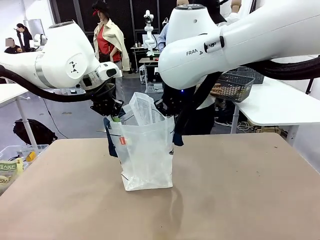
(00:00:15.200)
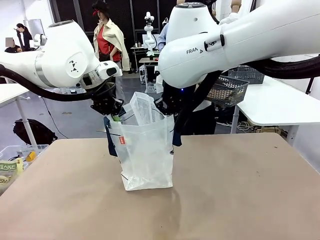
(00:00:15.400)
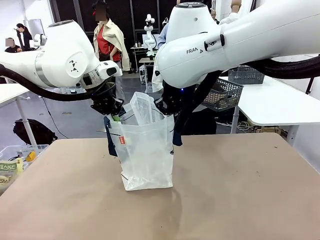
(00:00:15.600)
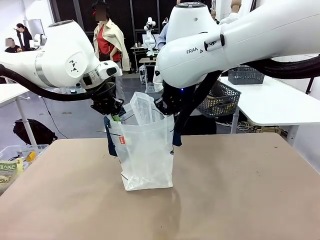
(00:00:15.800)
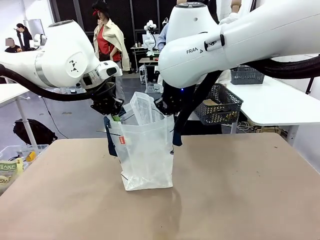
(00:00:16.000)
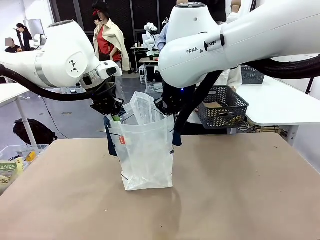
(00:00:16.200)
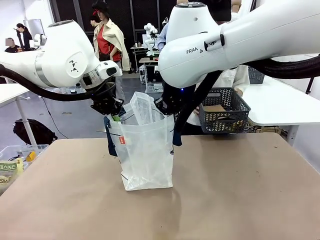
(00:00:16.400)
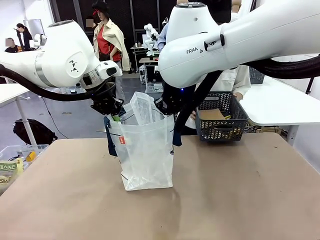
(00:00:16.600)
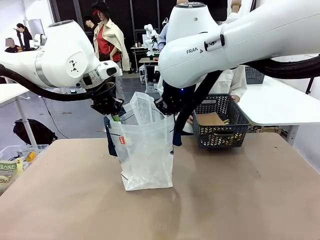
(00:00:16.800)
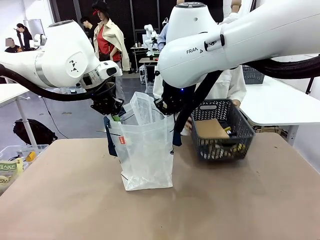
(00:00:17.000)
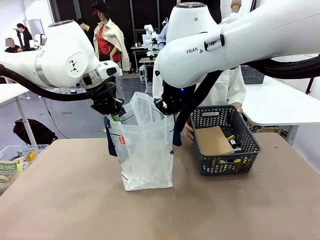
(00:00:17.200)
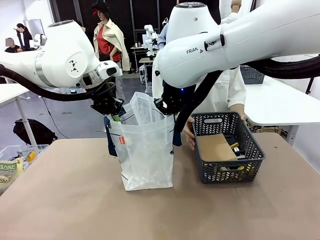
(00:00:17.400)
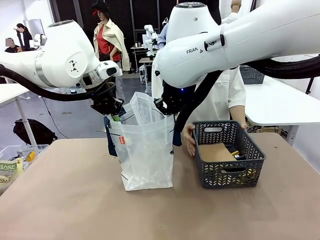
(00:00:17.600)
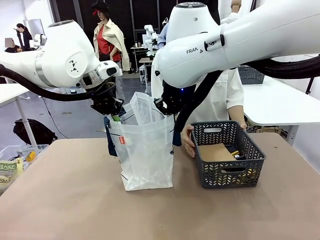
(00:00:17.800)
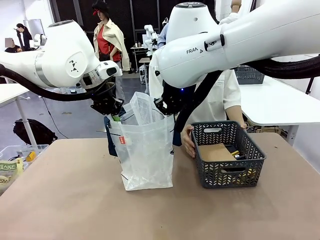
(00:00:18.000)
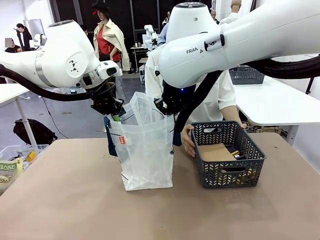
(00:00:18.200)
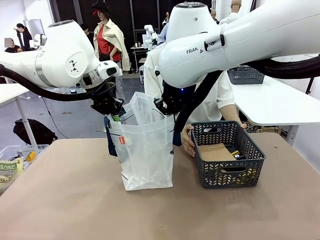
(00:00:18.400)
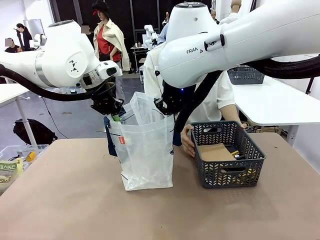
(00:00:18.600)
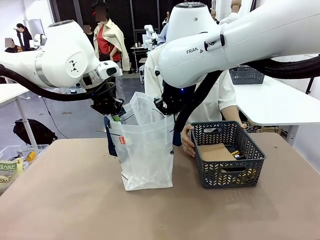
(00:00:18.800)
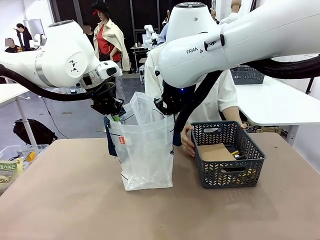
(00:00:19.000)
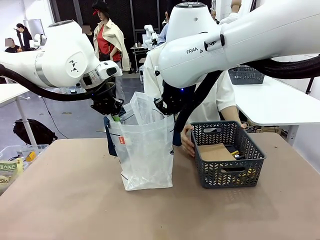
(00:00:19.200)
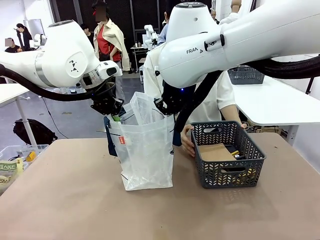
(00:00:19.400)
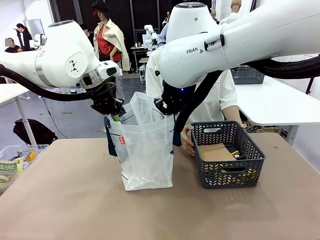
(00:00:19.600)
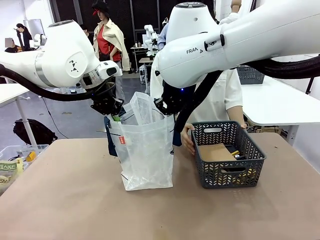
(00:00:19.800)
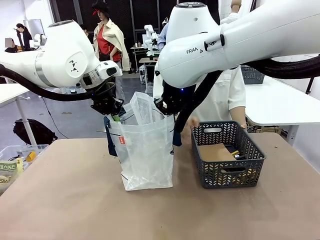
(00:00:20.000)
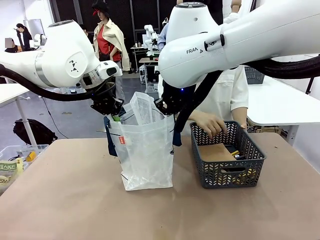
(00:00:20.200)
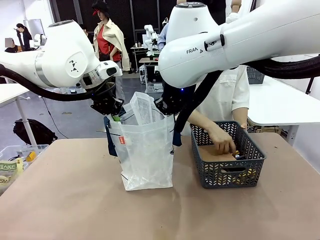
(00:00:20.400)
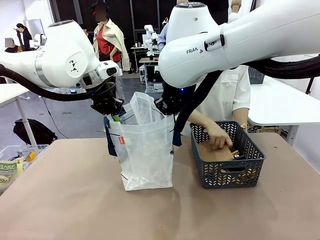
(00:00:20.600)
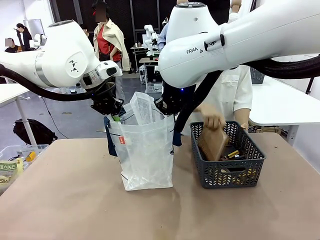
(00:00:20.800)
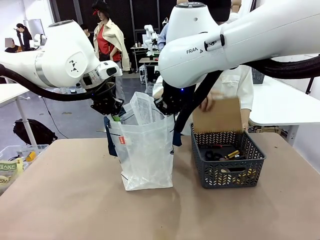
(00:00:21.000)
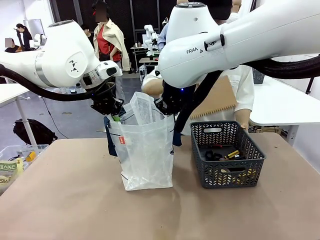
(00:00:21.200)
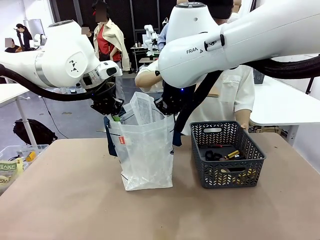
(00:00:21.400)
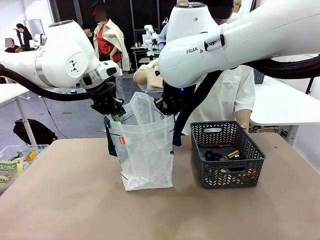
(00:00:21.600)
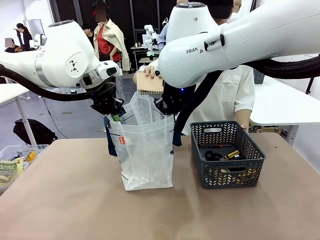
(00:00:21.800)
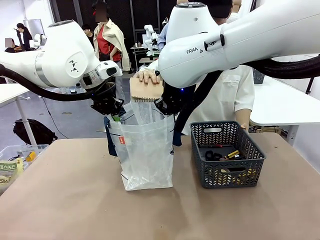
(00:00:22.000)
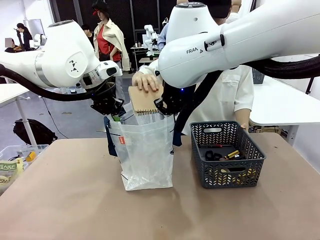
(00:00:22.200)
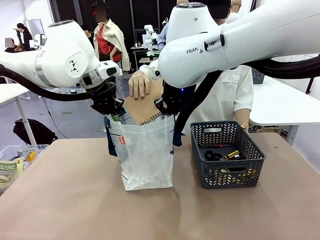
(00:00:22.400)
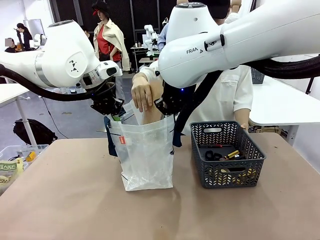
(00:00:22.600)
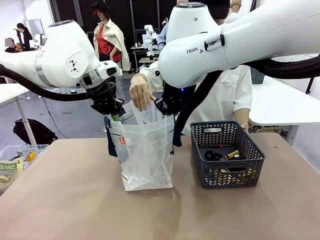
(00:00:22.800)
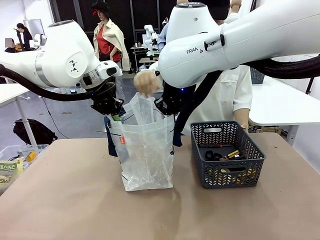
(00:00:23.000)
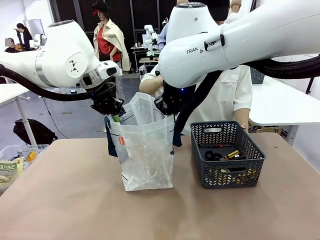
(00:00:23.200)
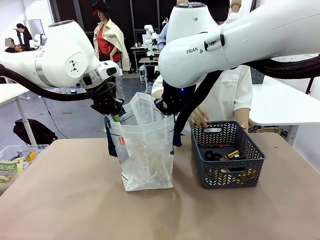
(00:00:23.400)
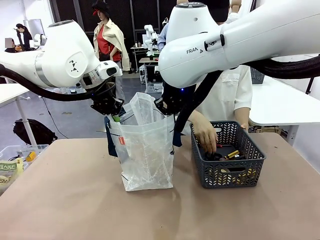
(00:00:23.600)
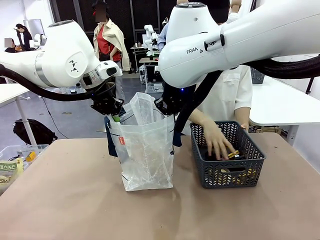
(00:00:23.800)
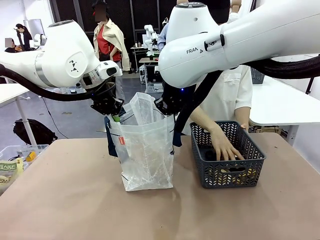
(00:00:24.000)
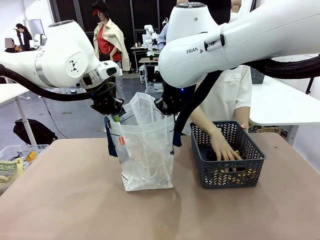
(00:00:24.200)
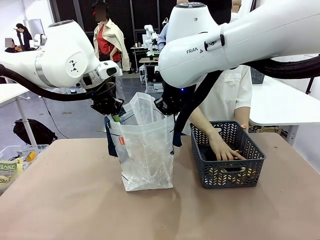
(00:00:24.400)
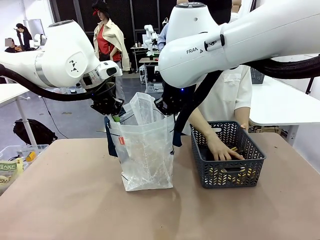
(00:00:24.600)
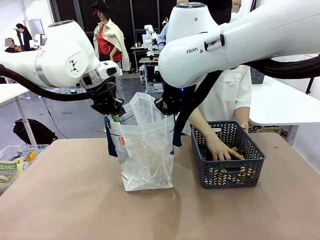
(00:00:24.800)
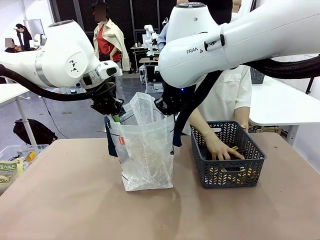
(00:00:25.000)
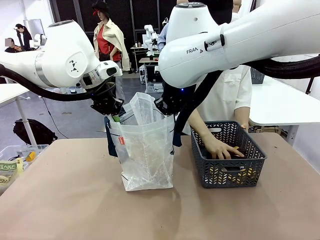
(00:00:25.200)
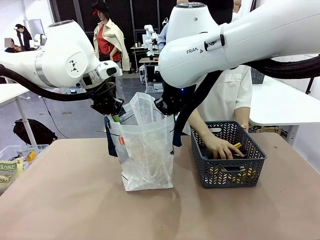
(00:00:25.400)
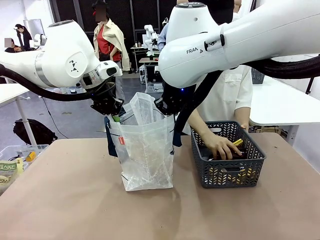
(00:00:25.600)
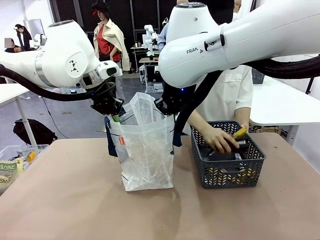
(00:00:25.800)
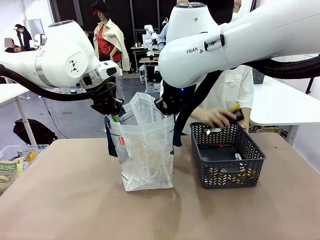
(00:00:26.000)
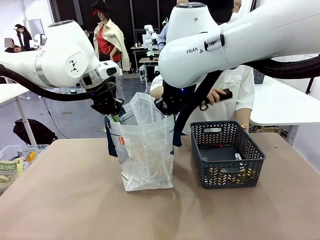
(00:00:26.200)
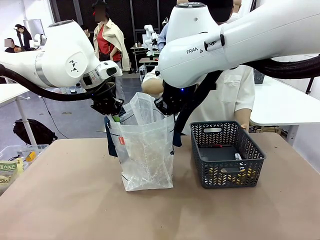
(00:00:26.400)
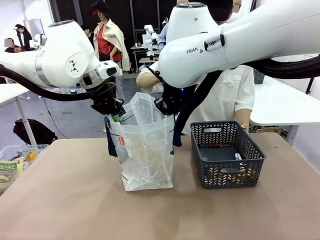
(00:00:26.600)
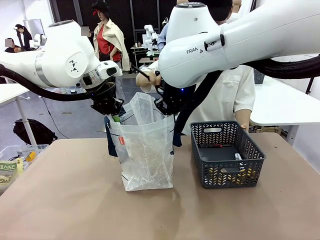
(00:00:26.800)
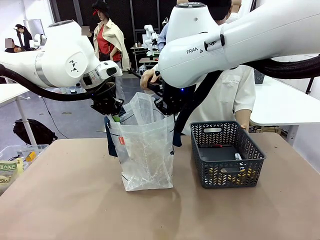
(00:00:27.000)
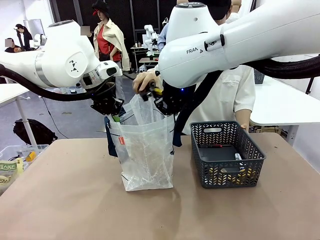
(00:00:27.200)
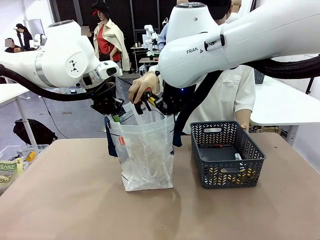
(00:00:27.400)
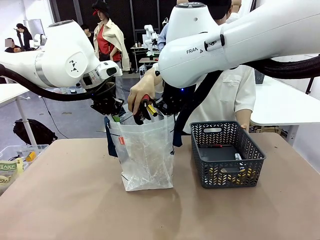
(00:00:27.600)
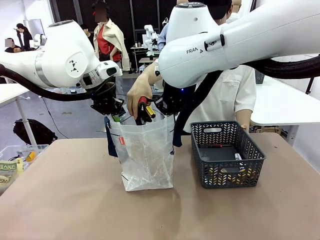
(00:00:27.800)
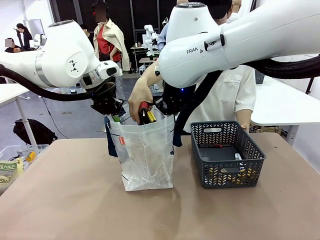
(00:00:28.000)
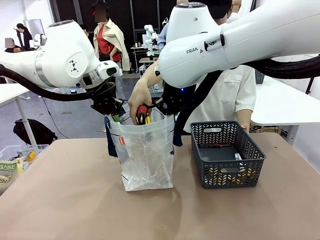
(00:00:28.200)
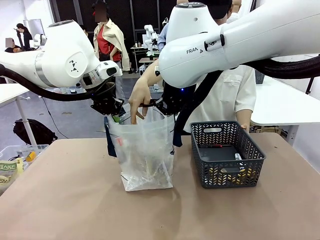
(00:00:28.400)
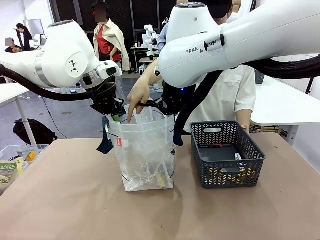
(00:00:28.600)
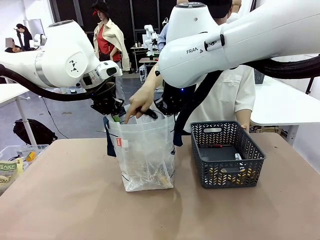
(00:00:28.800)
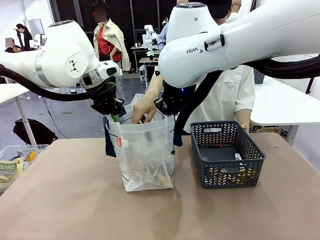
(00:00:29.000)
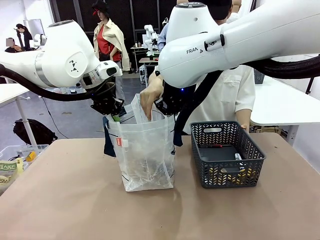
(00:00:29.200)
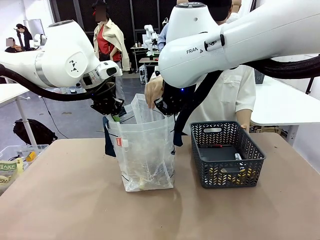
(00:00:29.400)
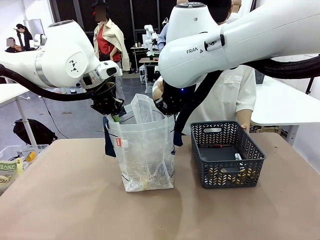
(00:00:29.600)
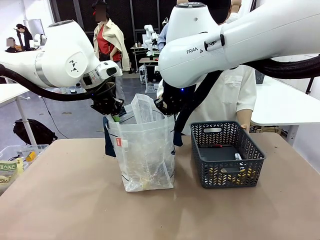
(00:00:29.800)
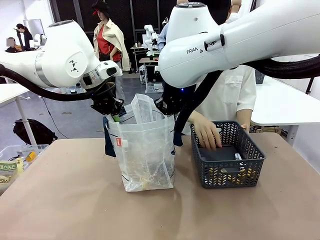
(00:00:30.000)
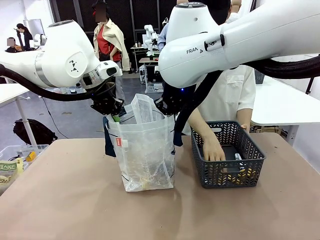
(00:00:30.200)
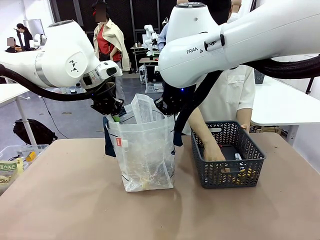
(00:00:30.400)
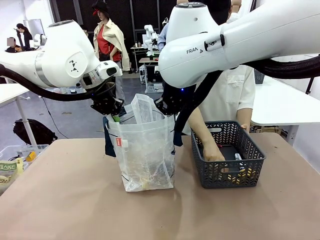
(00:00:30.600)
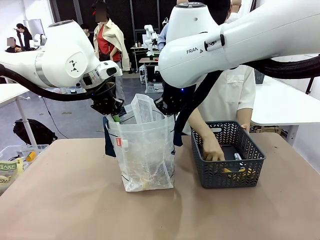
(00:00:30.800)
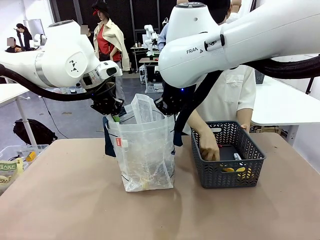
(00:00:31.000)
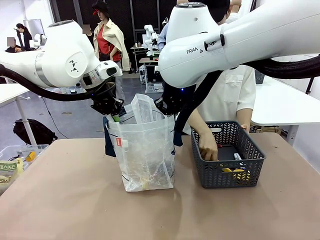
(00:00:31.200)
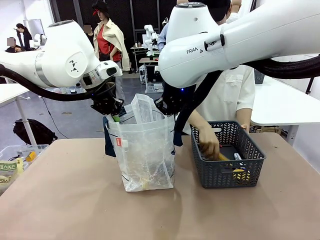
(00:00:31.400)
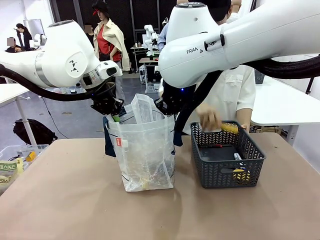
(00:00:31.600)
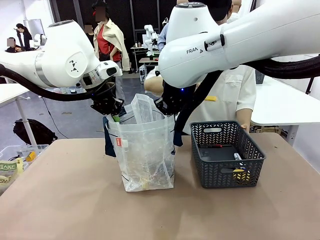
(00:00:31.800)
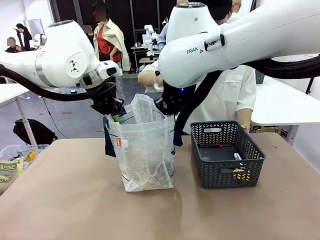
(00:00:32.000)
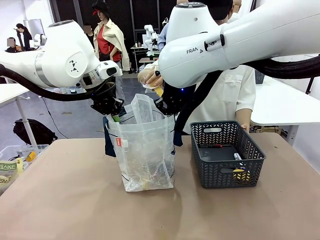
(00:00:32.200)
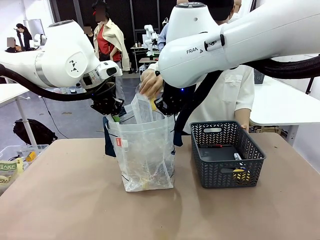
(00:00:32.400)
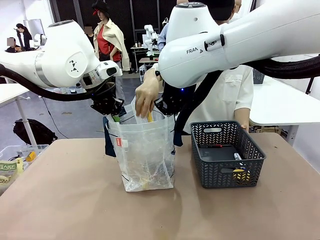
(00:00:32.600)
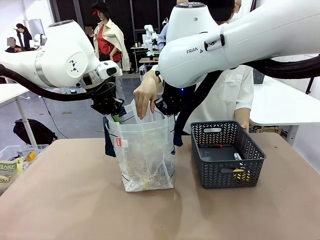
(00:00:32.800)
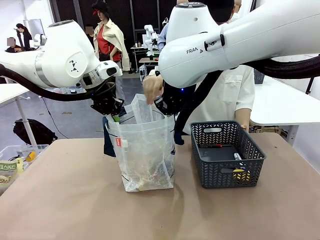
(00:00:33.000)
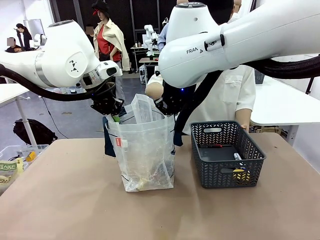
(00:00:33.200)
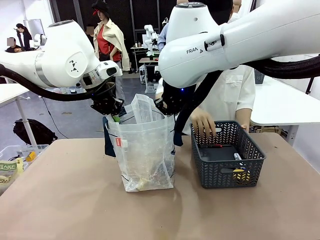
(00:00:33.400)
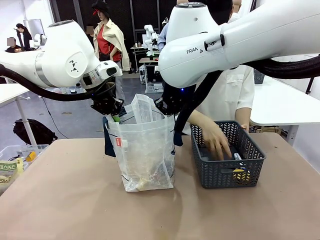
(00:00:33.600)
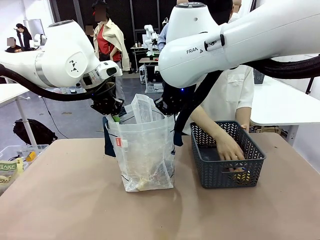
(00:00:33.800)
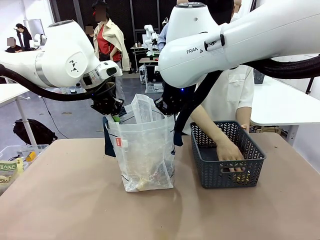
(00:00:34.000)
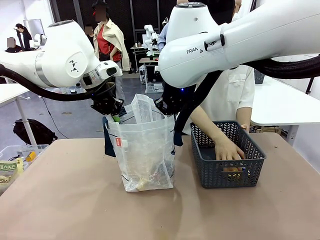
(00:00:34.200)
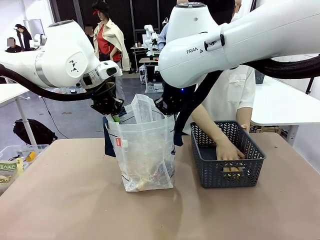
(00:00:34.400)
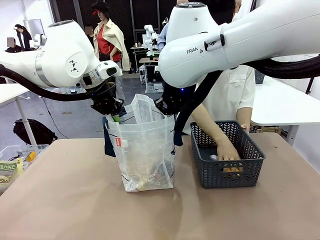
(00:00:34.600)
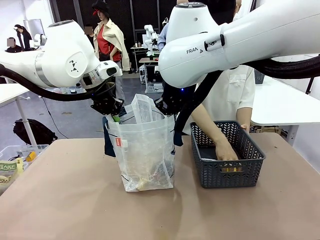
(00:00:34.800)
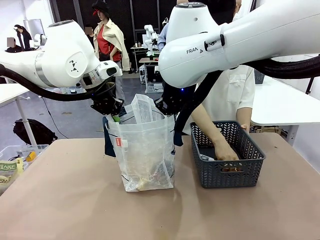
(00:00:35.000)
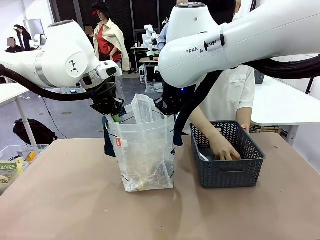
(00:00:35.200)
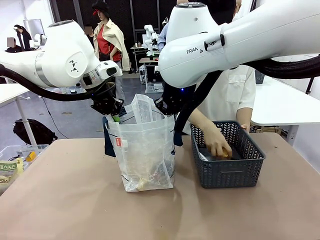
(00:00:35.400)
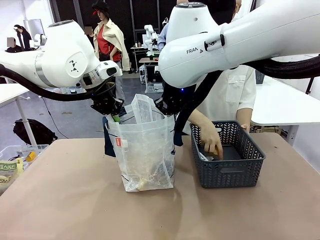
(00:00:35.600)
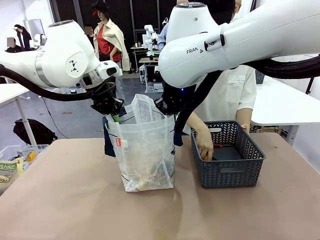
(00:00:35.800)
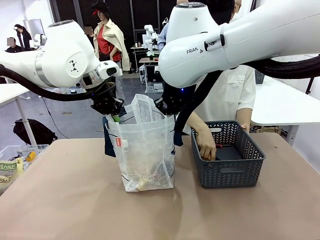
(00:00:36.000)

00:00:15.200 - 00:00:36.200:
Task: Transfer purchased items from the store into the shopping bag.
Robot: Move the Reusable shopping bag to the right side of the table.
Person: Pick up the basket with the items out and place it on the right side of the human table.
